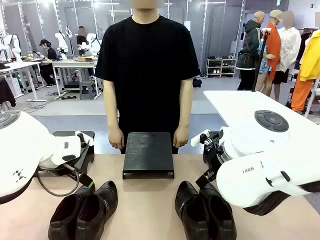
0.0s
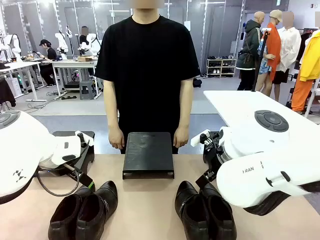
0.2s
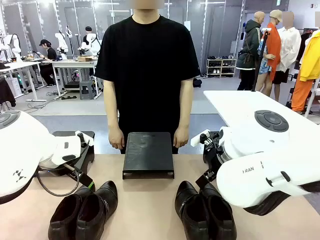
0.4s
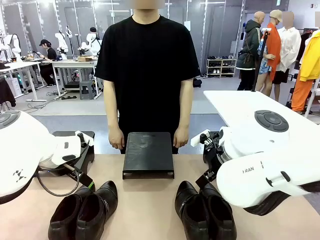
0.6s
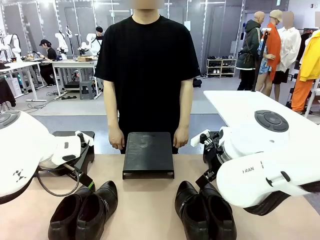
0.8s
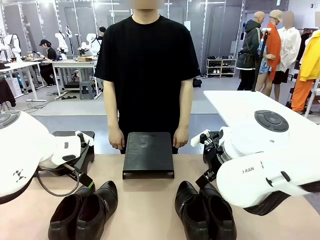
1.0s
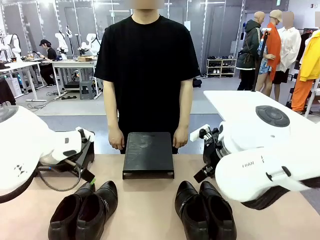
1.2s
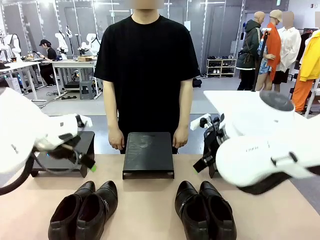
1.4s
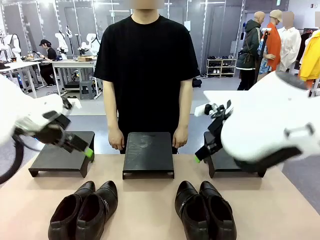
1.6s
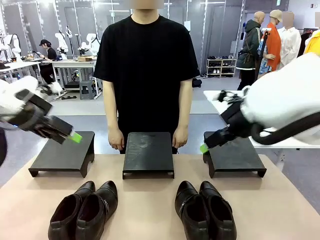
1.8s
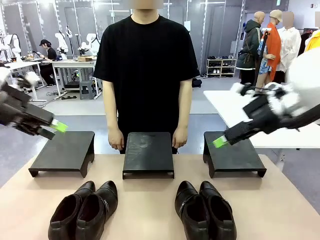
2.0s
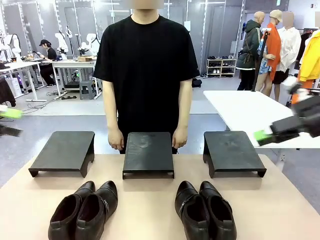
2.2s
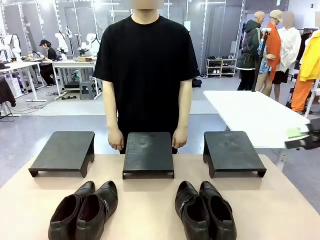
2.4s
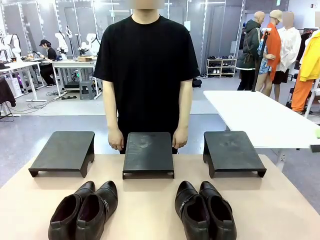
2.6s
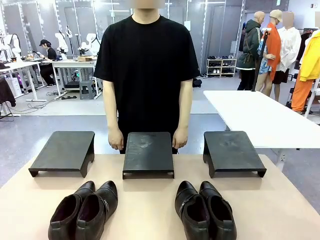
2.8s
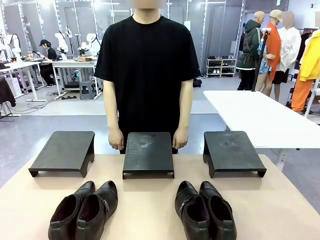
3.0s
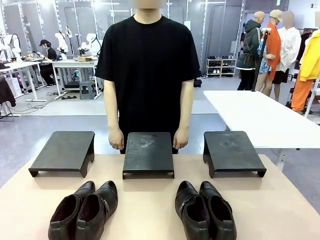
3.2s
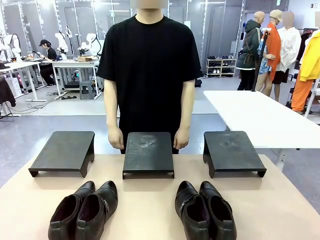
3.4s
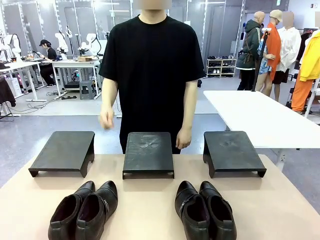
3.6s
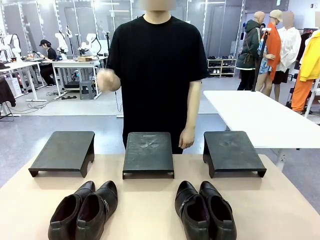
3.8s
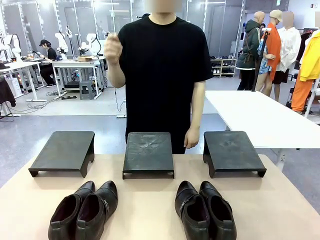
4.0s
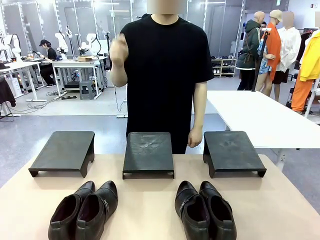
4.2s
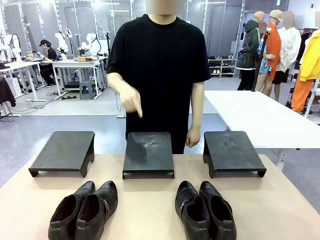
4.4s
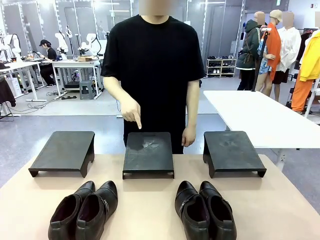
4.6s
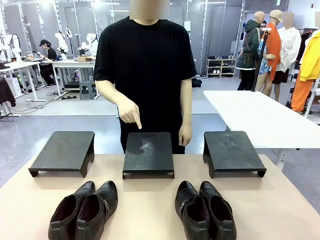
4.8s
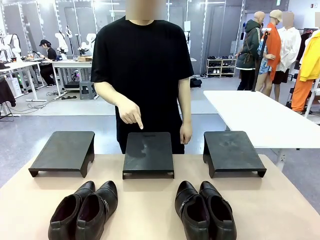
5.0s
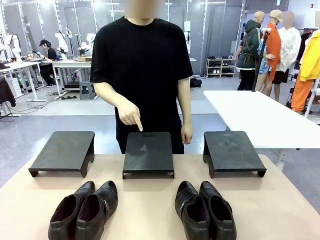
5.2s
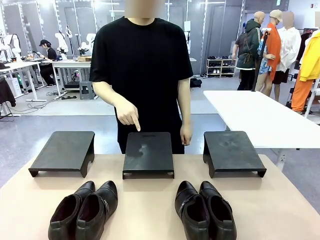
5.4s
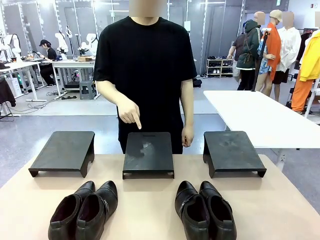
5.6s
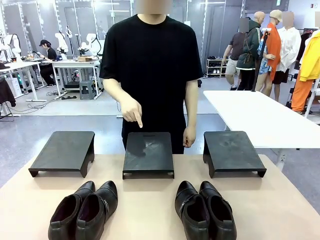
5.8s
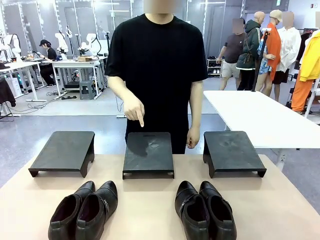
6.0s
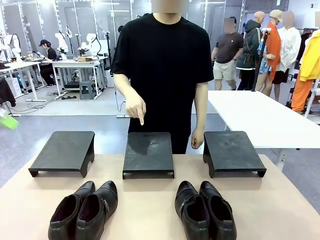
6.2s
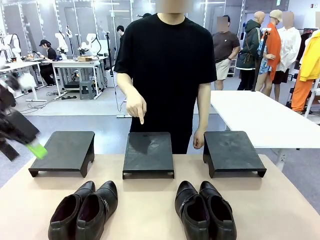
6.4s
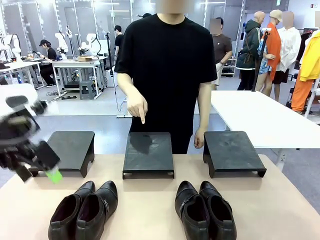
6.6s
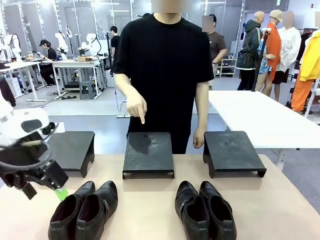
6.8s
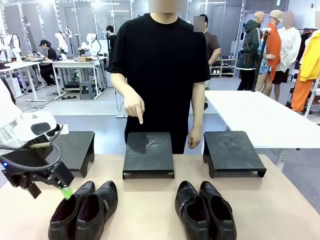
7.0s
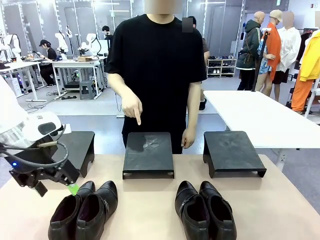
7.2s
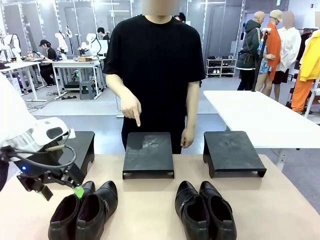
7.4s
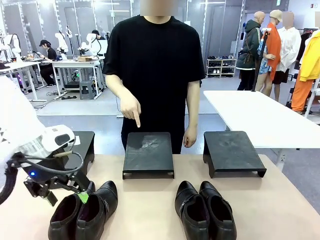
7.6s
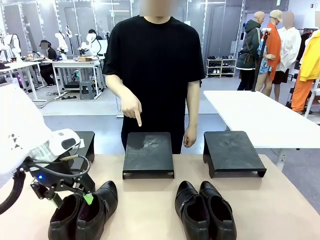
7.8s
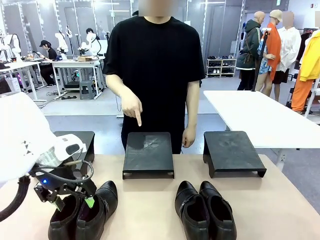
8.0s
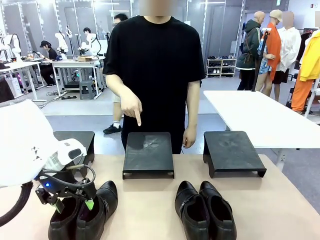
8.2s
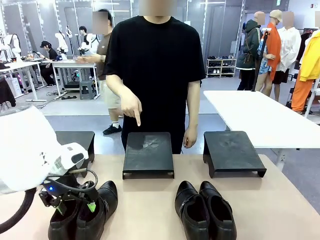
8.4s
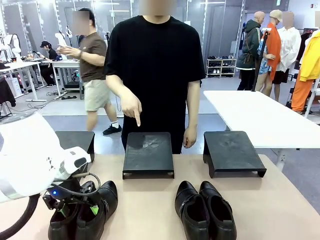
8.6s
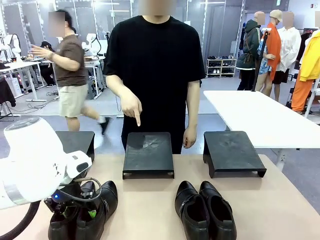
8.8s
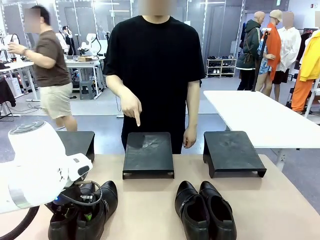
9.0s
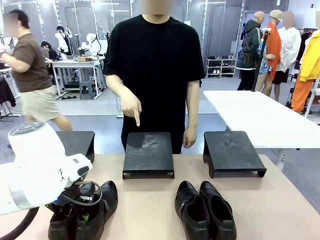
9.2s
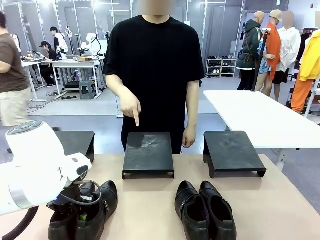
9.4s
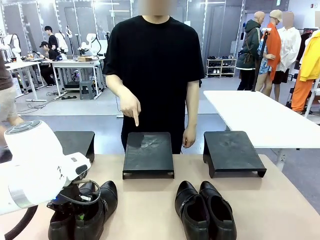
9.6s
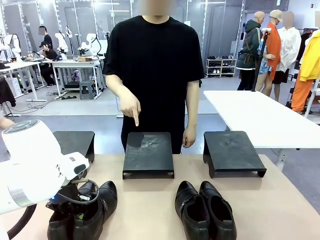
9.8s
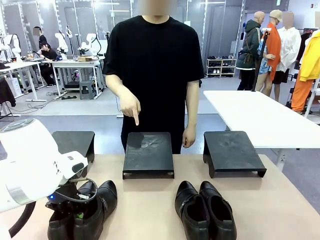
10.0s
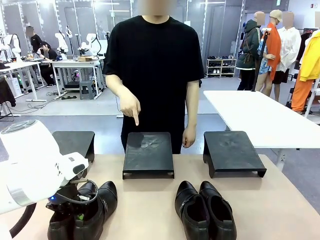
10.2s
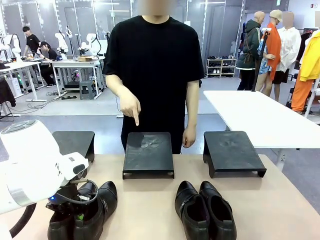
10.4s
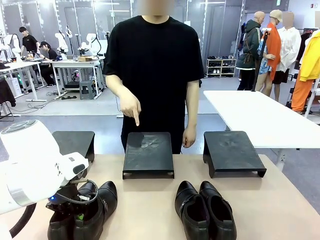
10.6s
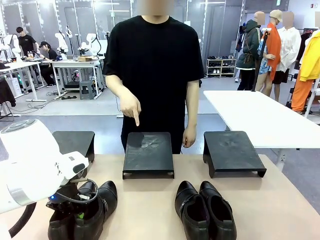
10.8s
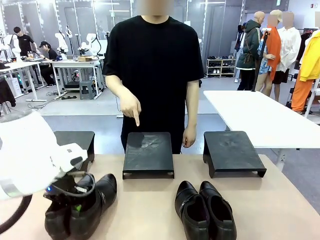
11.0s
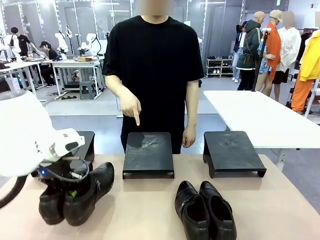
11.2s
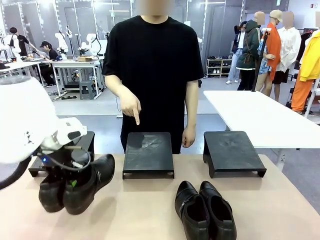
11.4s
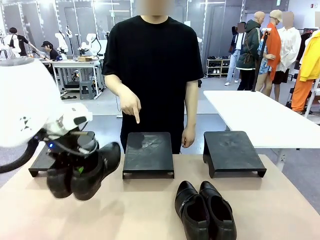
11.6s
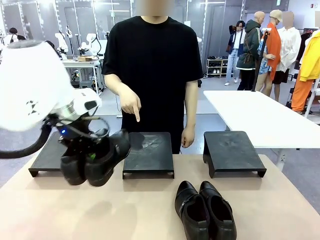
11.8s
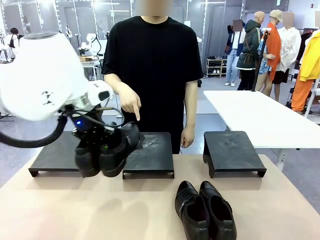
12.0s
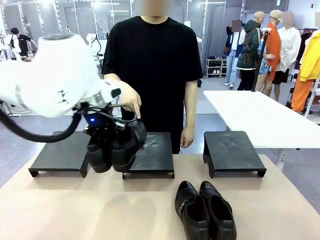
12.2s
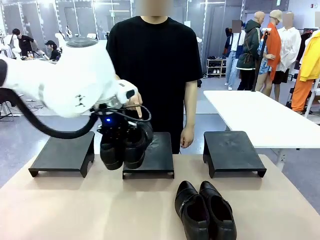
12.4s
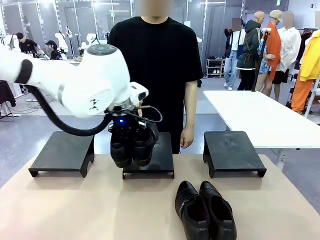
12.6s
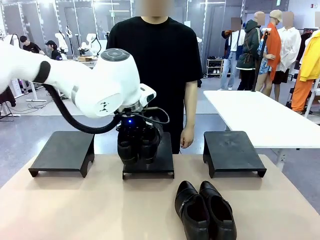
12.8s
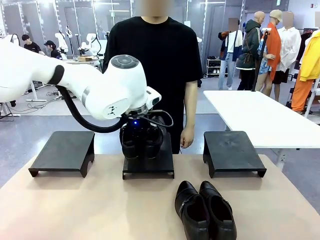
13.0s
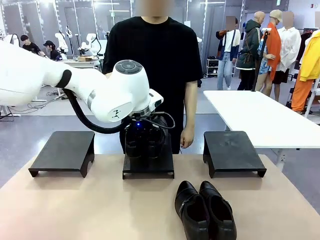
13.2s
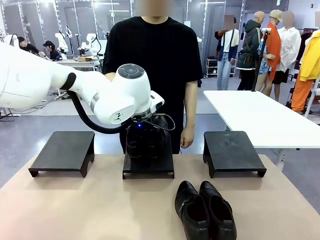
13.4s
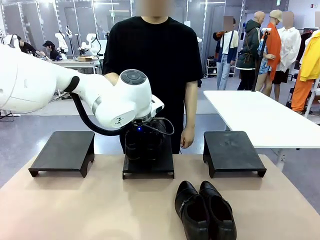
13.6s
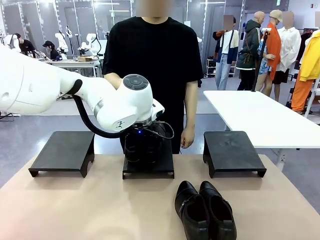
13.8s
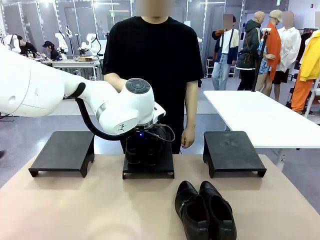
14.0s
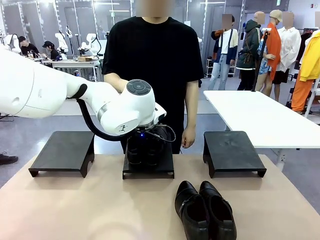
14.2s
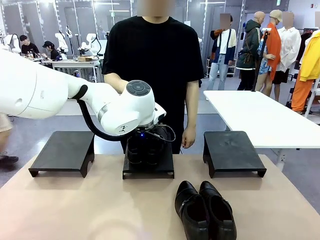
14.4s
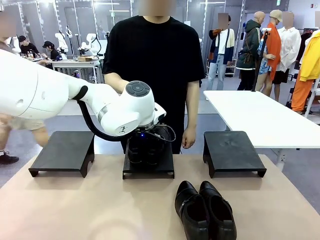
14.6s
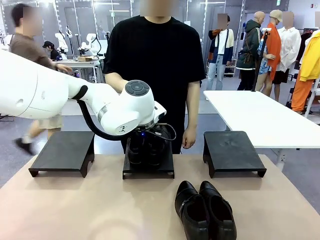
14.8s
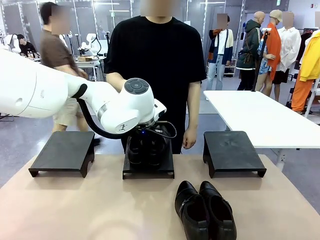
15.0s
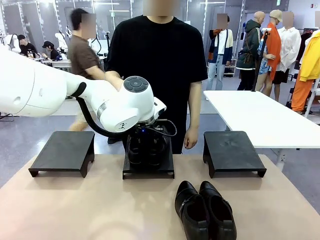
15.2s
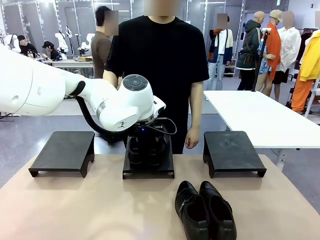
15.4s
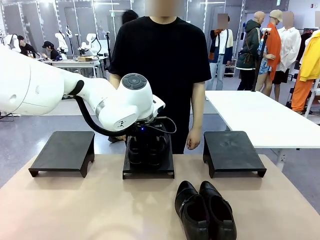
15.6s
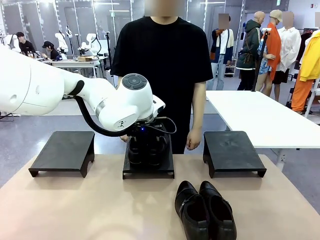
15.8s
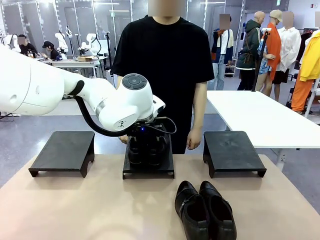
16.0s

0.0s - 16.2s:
Task: Place the shoes on the stand as instructed by the person.
Robot: Pick up one pair of Shoes and place it on the Shoes Stand indicated by the person.
